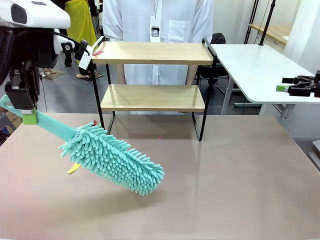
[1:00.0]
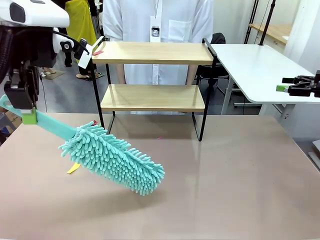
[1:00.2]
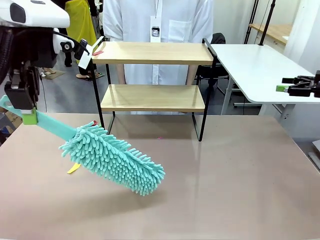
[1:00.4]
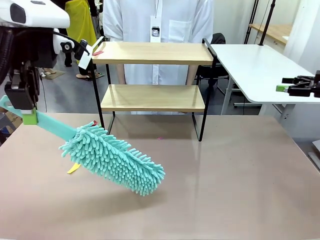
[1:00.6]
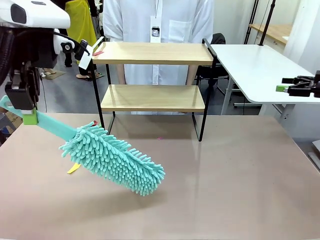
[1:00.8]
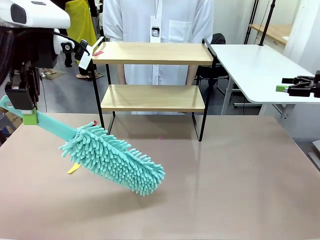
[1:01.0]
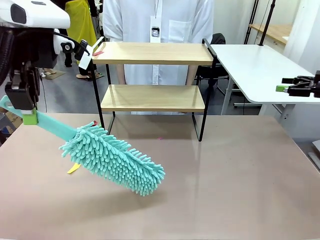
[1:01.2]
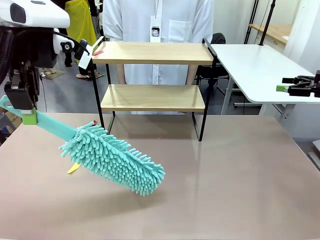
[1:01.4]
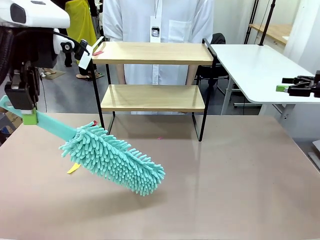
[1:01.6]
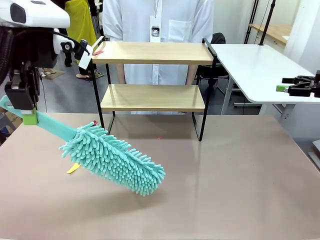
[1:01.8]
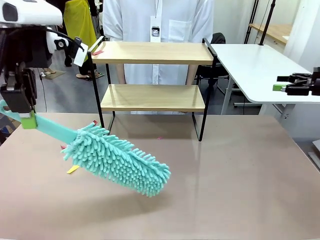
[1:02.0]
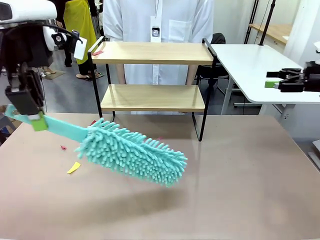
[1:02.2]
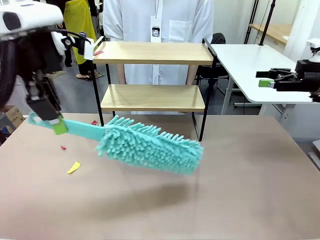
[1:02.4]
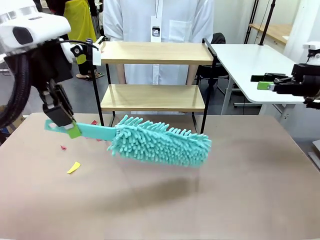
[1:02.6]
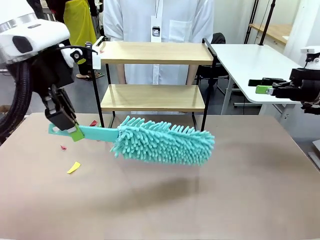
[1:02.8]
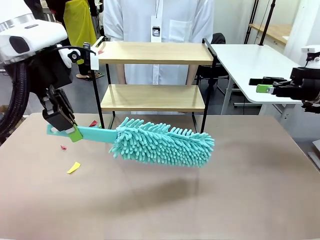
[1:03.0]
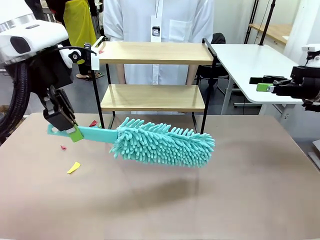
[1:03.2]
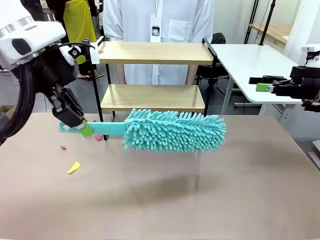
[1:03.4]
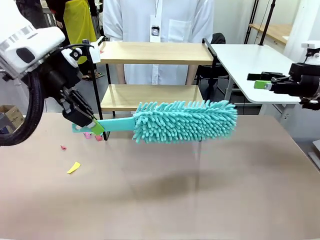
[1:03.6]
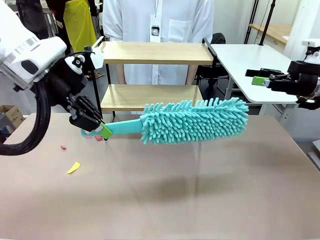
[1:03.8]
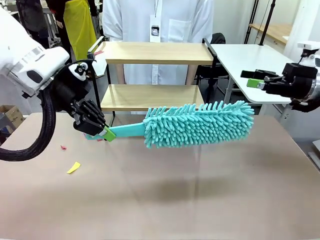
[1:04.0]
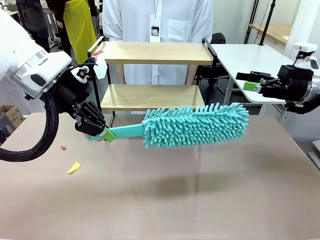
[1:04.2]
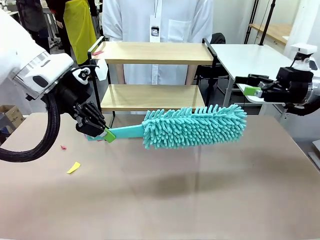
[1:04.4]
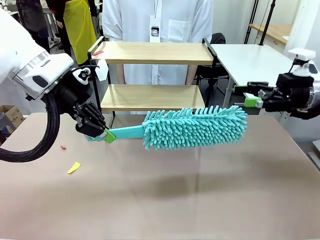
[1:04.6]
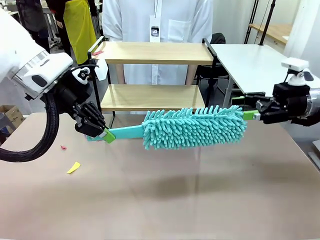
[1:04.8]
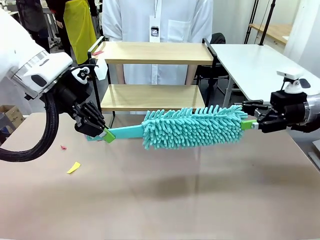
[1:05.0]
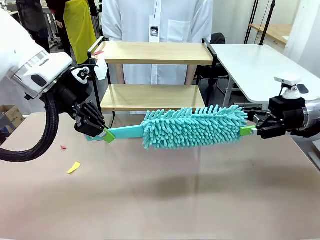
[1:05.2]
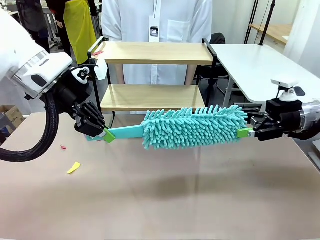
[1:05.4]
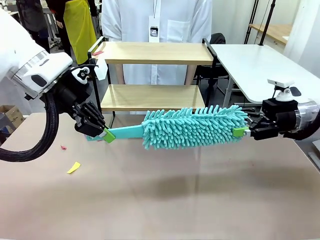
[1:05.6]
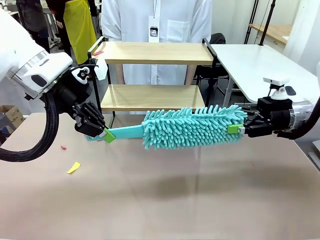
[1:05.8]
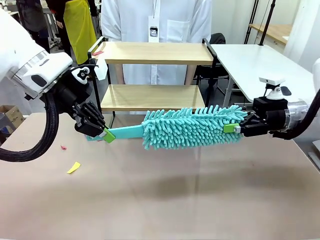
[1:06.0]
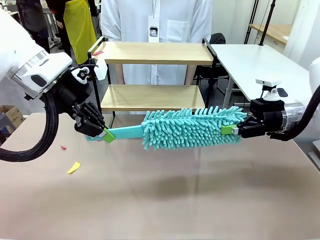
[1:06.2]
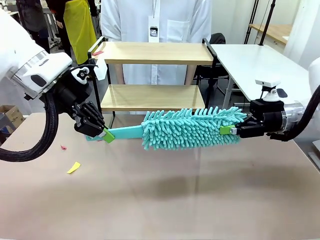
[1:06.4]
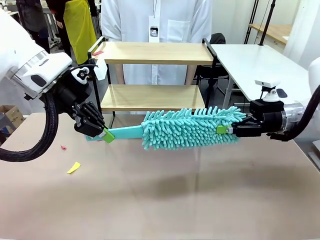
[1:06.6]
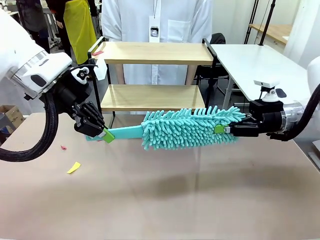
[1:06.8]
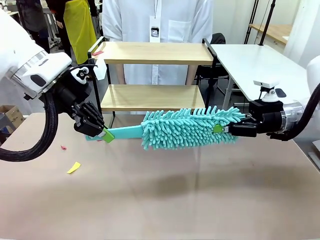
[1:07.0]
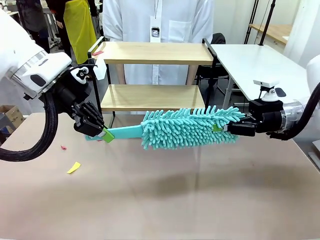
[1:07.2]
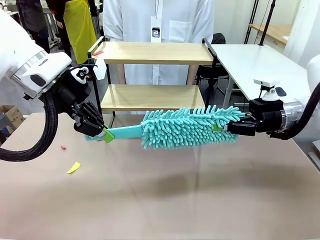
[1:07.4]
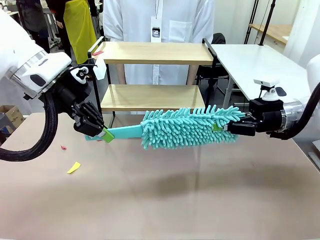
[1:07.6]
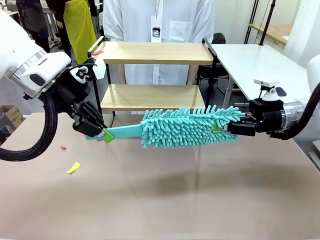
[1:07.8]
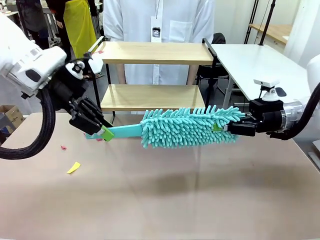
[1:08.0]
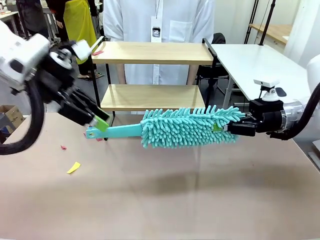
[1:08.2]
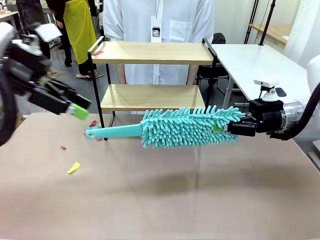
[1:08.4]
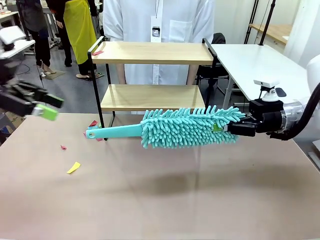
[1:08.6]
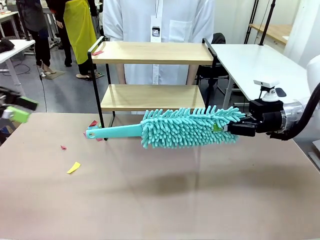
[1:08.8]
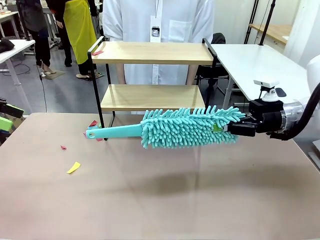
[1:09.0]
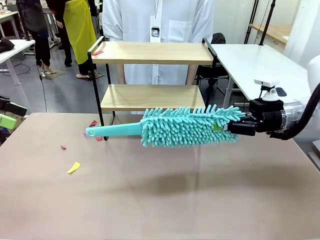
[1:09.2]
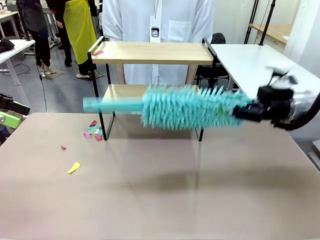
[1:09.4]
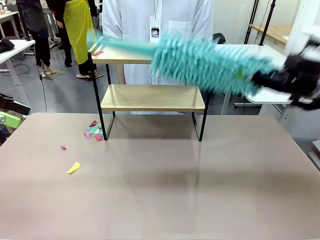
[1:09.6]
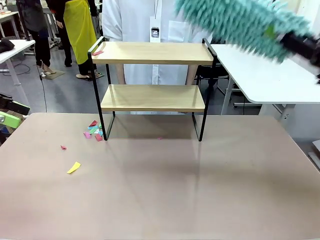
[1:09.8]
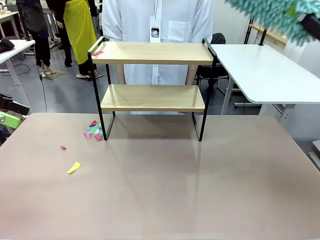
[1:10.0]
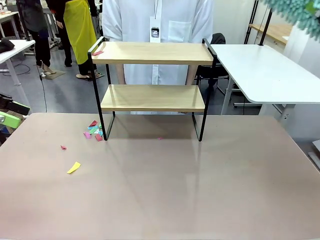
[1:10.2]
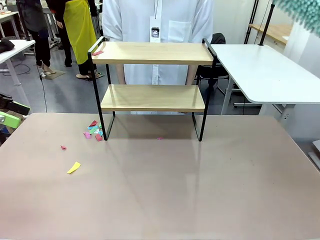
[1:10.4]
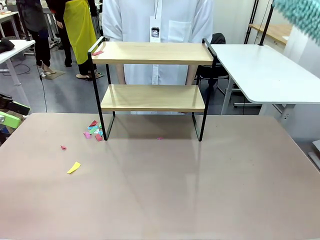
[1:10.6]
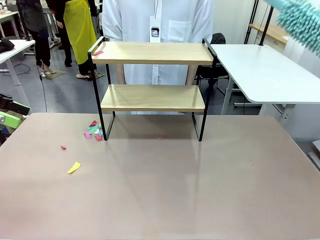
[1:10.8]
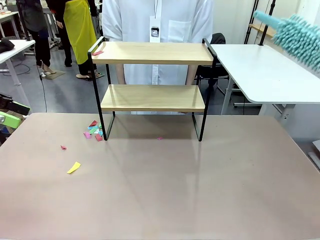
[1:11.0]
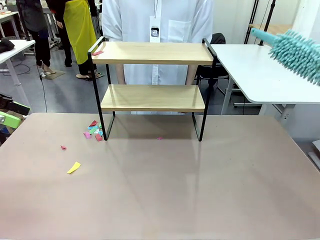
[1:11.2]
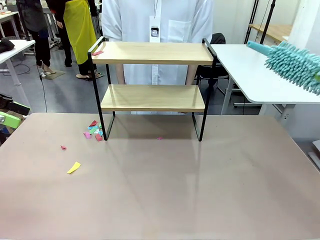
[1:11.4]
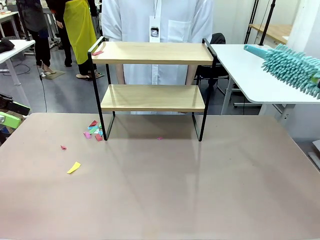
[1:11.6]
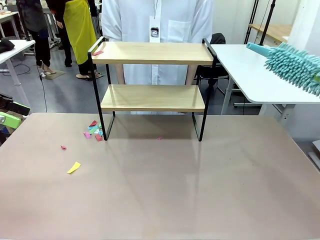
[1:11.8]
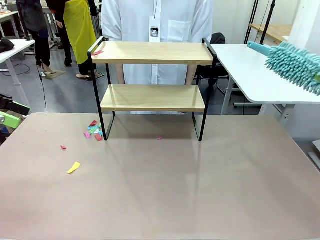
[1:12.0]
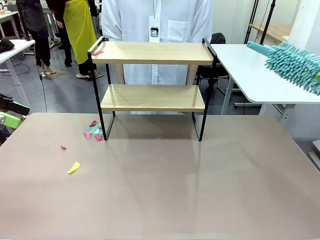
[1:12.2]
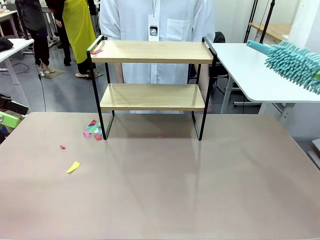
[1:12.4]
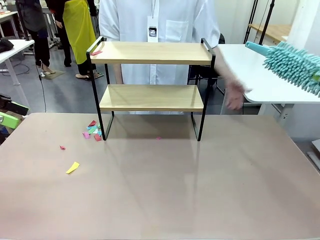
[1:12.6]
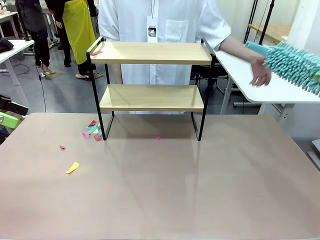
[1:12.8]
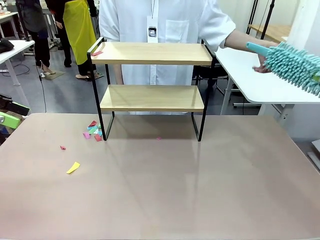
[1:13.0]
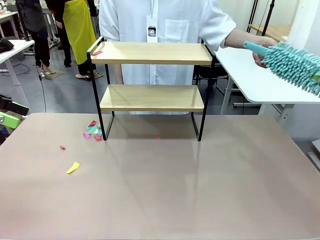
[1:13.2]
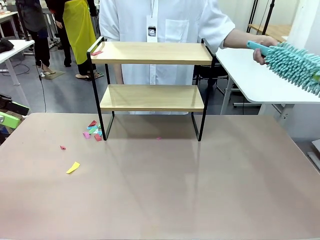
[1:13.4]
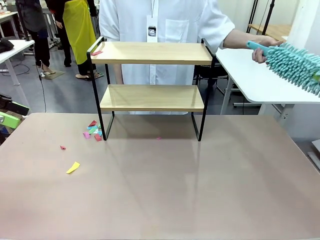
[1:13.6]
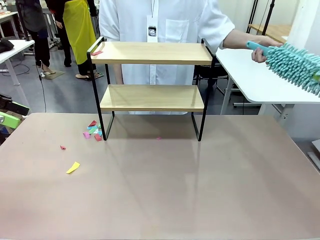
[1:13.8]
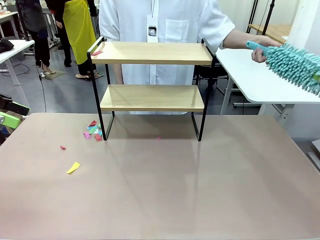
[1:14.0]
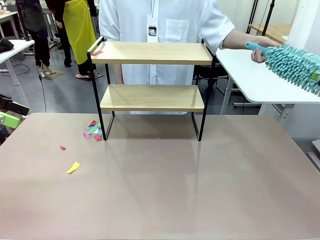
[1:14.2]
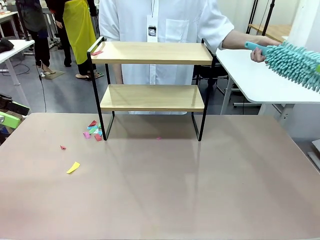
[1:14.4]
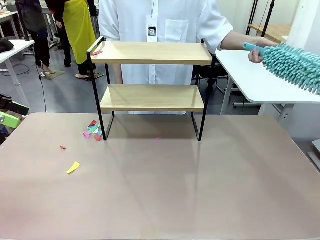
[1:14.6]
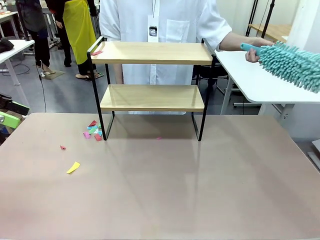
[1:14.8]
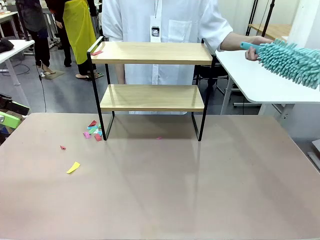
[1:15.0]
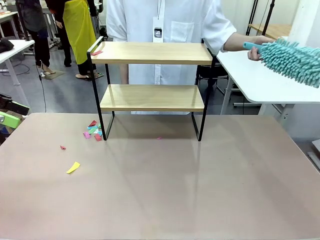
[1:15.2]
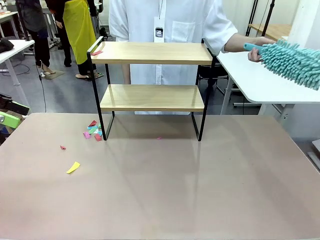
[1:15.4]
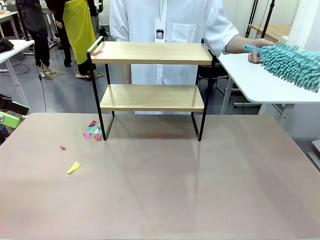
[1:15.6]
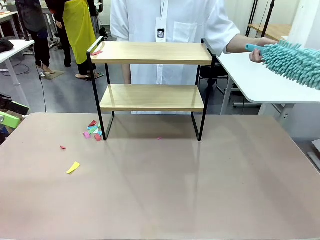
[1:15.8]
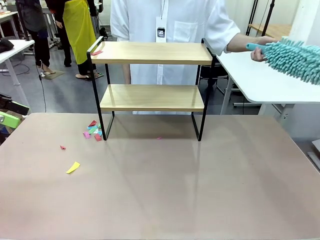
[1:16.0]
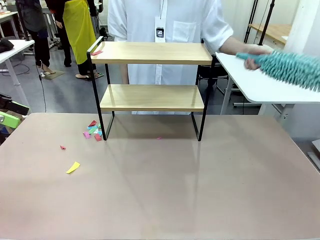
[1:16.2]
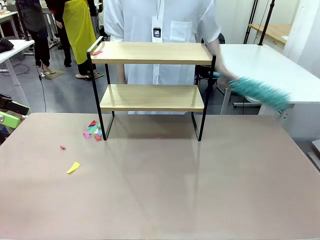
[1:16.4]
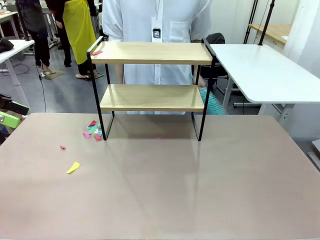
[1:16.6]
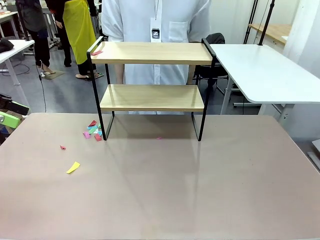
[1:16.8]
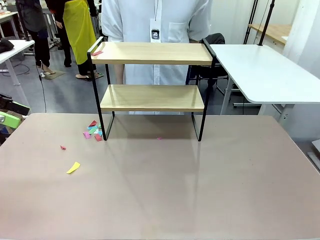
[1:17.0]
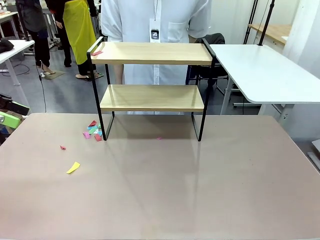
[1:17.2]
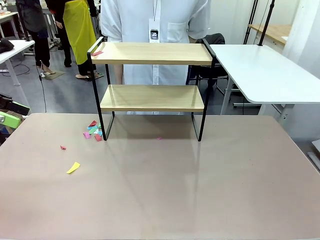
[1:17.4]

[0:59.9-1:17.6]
Task: Clean the shelf.
Robot: Hand the Duster back to the human.
Person: Receive the Duster from the robot.
